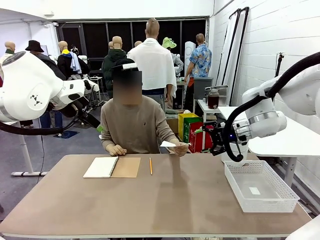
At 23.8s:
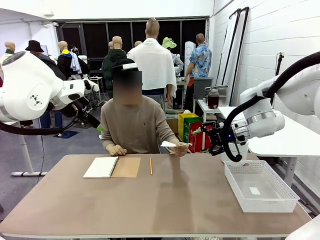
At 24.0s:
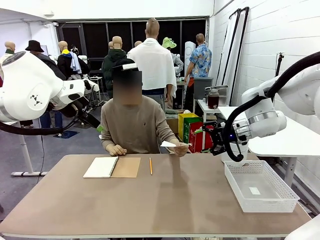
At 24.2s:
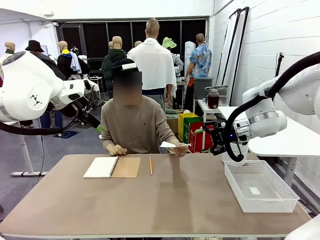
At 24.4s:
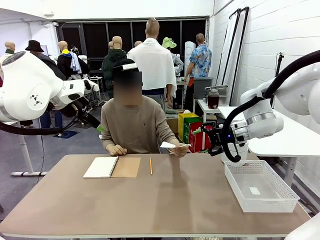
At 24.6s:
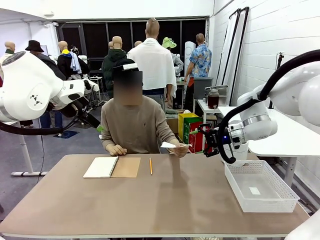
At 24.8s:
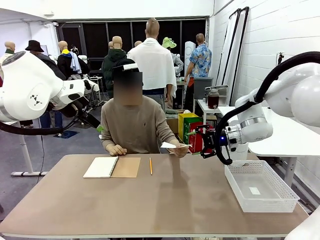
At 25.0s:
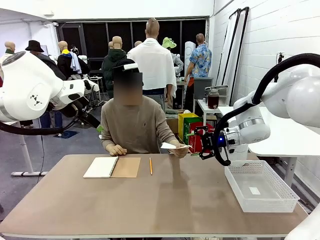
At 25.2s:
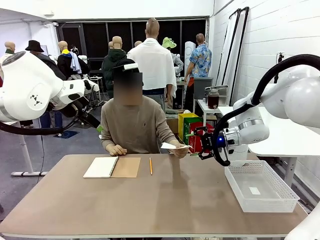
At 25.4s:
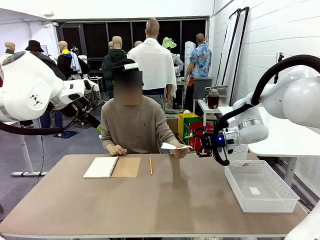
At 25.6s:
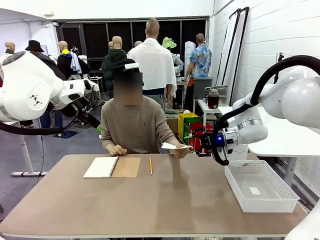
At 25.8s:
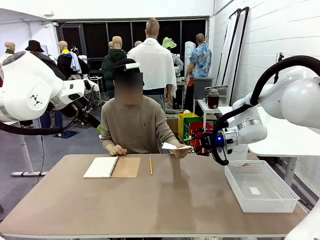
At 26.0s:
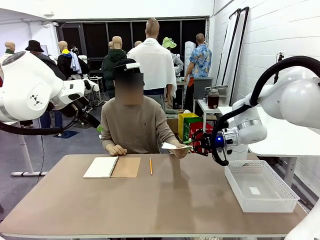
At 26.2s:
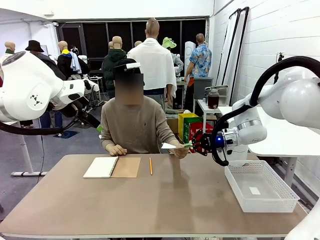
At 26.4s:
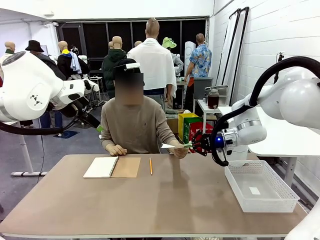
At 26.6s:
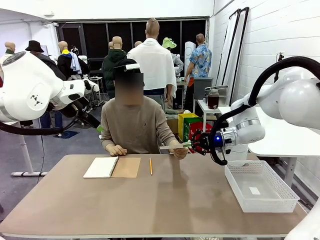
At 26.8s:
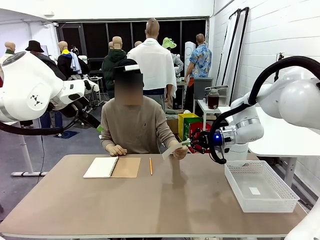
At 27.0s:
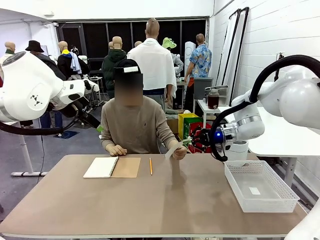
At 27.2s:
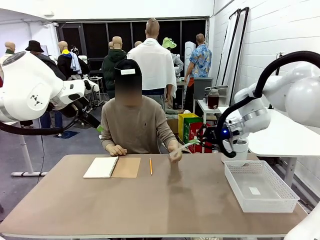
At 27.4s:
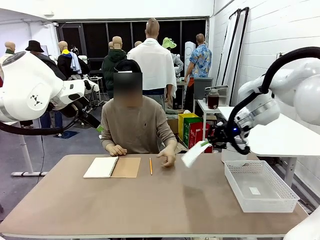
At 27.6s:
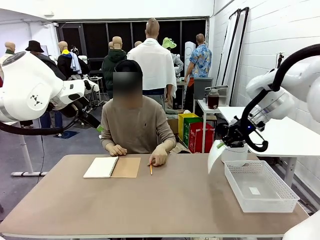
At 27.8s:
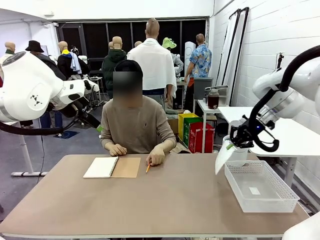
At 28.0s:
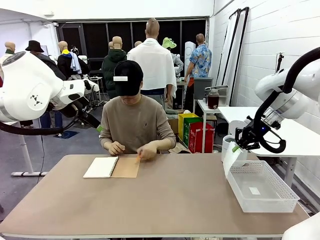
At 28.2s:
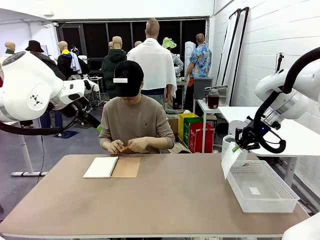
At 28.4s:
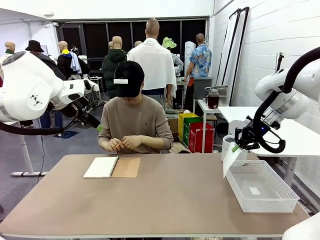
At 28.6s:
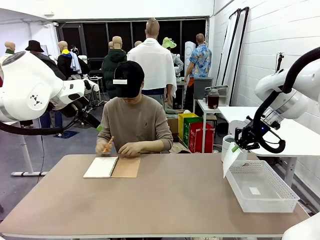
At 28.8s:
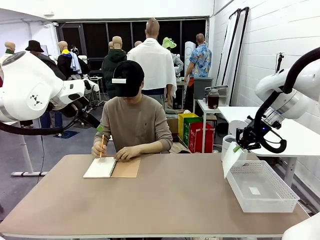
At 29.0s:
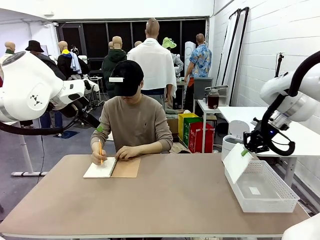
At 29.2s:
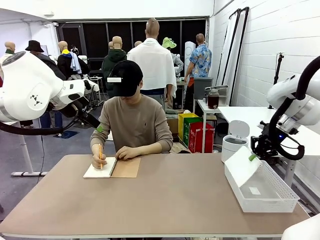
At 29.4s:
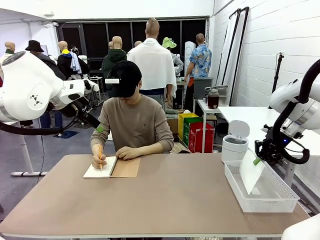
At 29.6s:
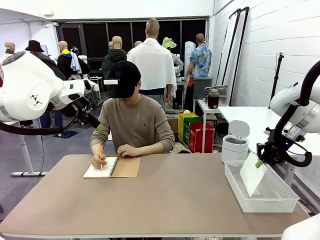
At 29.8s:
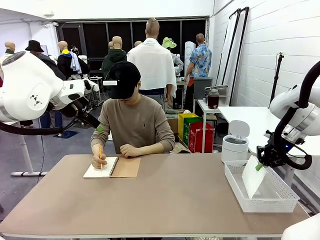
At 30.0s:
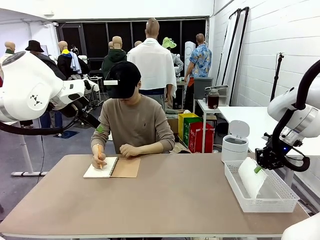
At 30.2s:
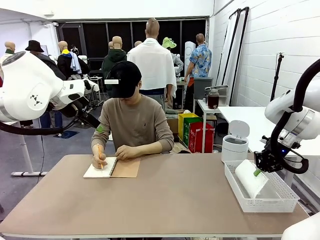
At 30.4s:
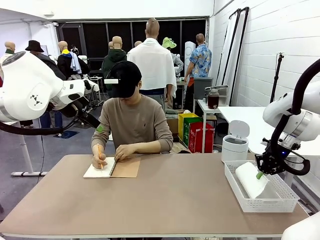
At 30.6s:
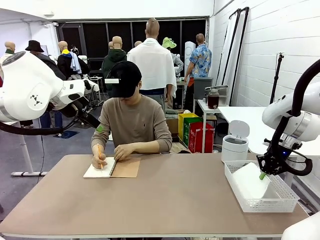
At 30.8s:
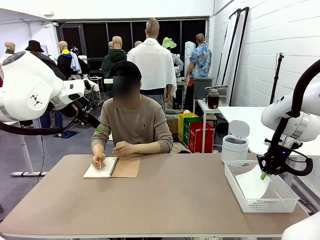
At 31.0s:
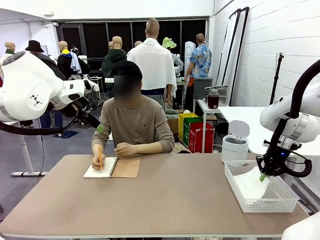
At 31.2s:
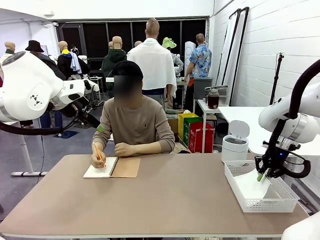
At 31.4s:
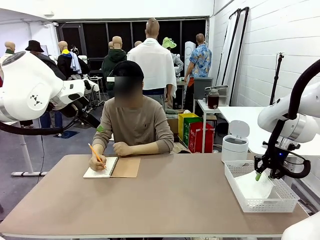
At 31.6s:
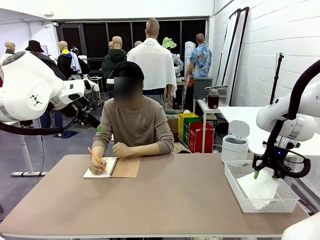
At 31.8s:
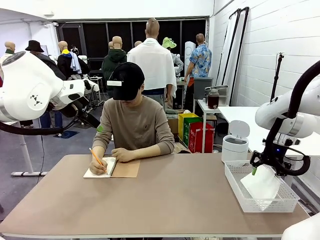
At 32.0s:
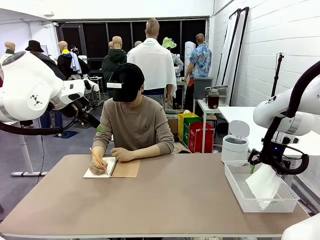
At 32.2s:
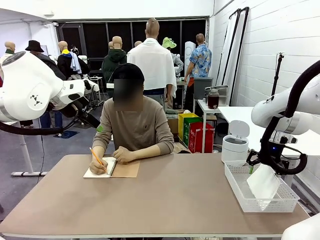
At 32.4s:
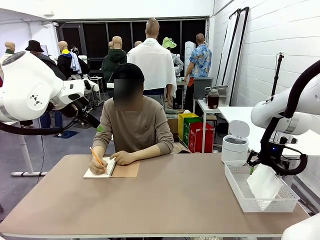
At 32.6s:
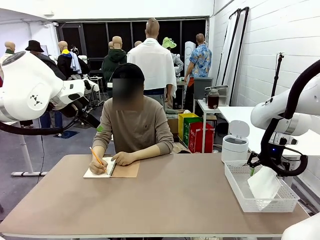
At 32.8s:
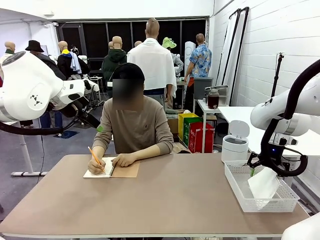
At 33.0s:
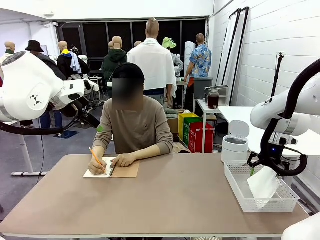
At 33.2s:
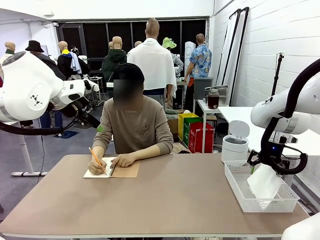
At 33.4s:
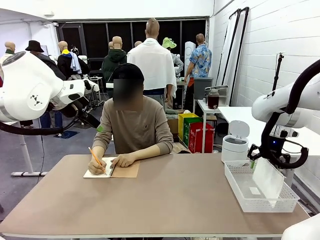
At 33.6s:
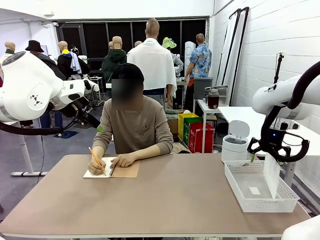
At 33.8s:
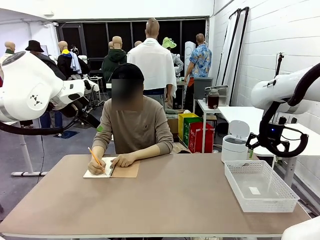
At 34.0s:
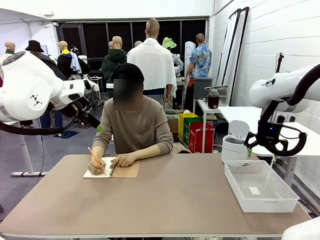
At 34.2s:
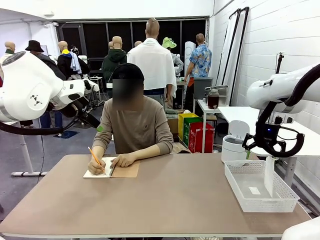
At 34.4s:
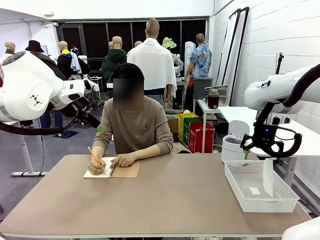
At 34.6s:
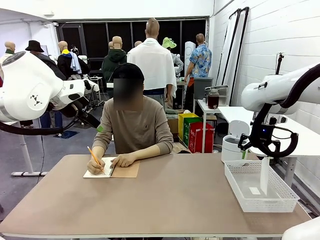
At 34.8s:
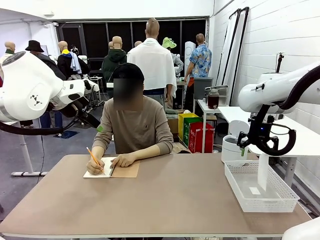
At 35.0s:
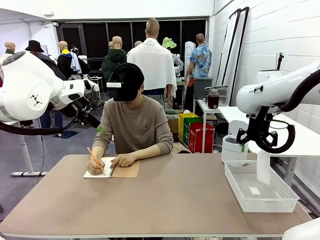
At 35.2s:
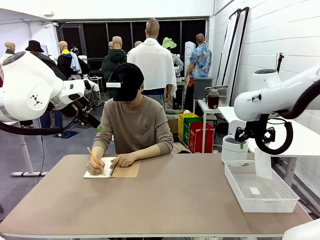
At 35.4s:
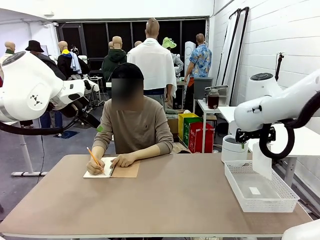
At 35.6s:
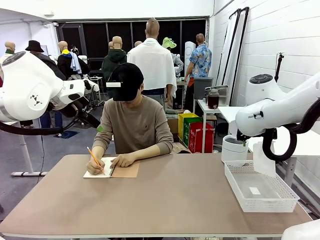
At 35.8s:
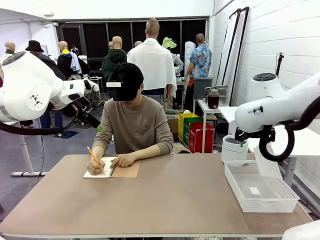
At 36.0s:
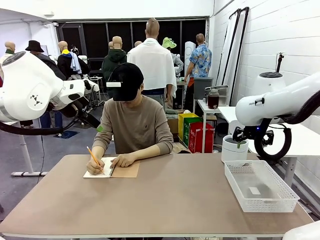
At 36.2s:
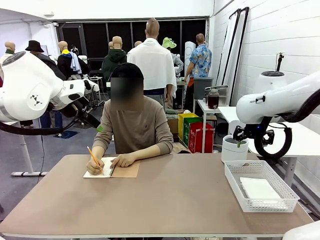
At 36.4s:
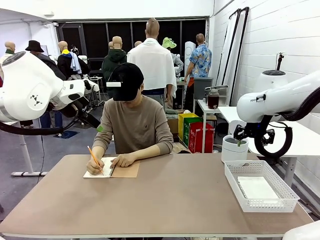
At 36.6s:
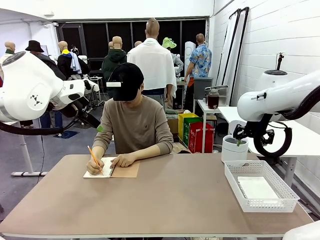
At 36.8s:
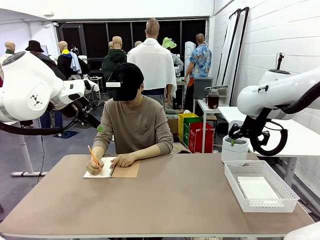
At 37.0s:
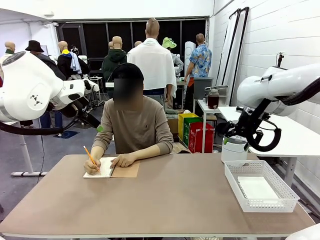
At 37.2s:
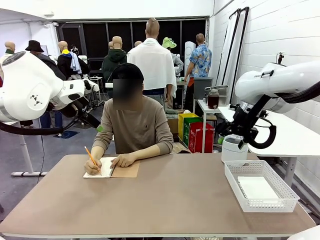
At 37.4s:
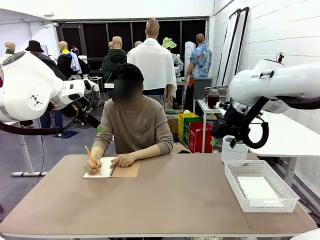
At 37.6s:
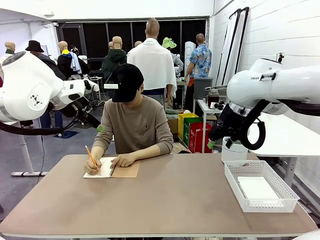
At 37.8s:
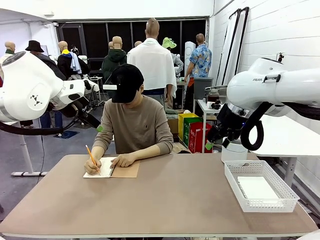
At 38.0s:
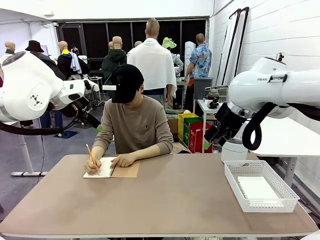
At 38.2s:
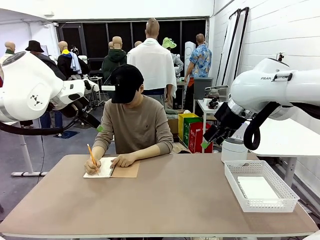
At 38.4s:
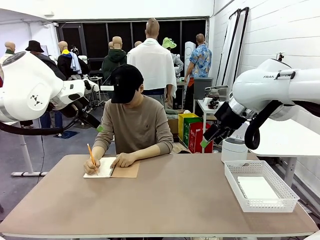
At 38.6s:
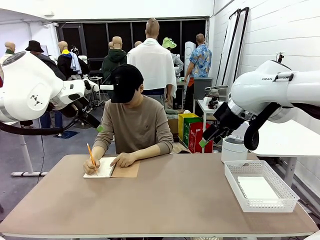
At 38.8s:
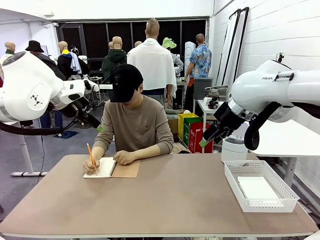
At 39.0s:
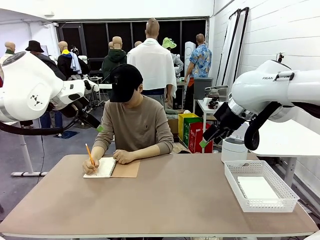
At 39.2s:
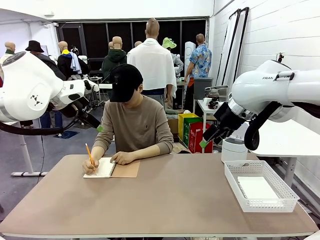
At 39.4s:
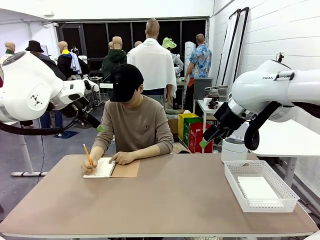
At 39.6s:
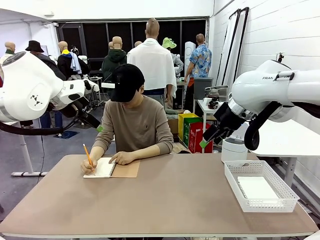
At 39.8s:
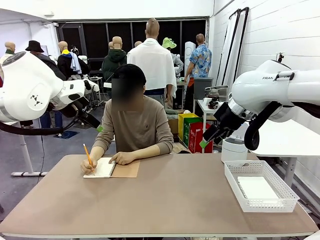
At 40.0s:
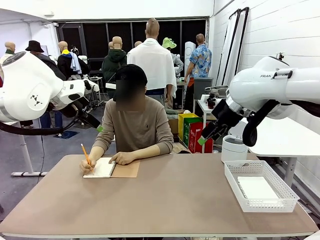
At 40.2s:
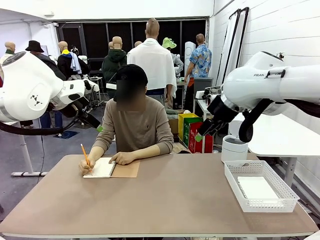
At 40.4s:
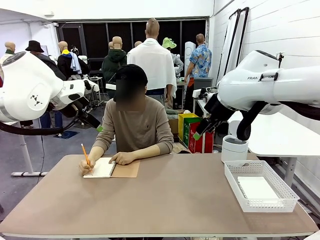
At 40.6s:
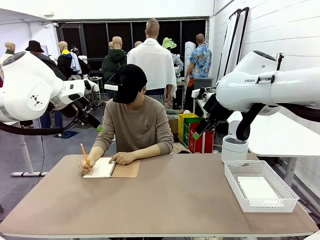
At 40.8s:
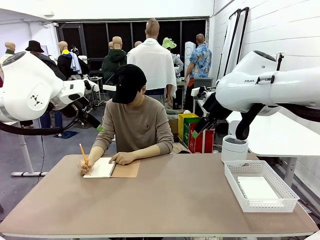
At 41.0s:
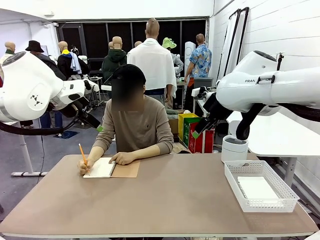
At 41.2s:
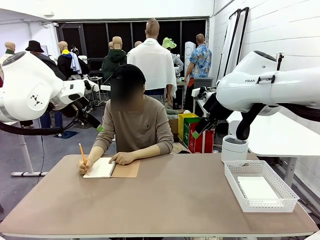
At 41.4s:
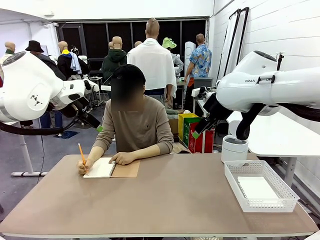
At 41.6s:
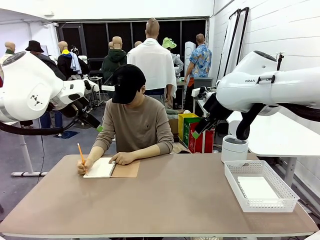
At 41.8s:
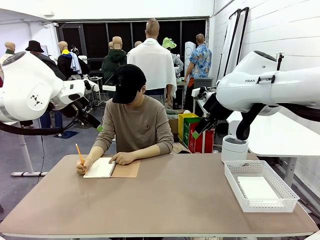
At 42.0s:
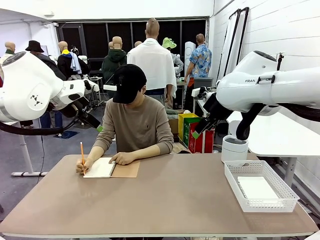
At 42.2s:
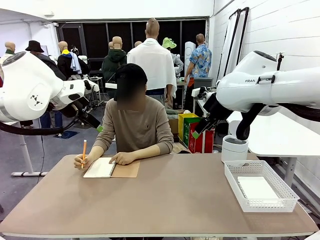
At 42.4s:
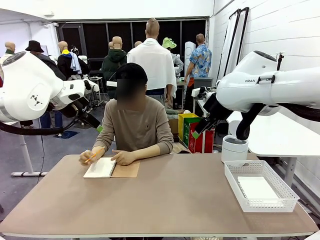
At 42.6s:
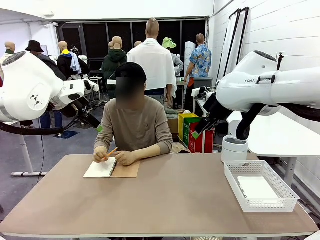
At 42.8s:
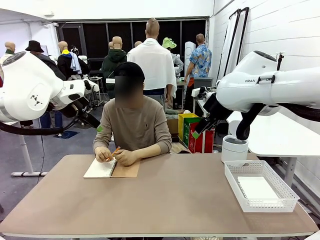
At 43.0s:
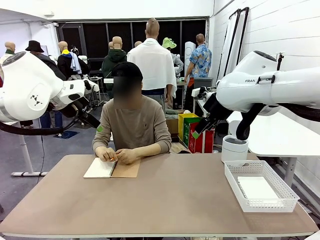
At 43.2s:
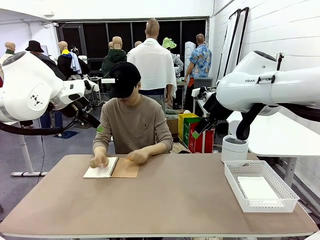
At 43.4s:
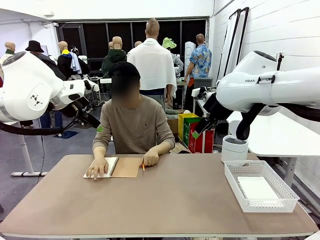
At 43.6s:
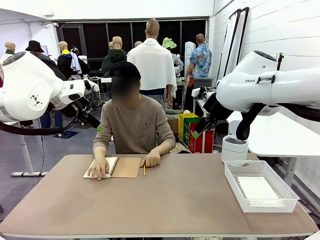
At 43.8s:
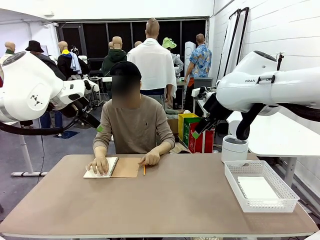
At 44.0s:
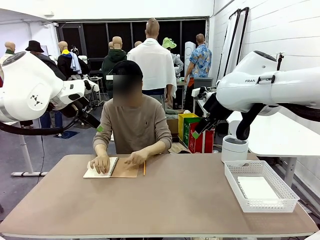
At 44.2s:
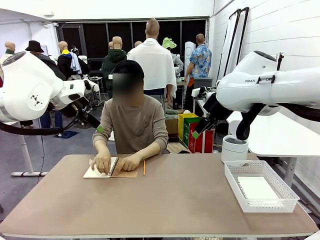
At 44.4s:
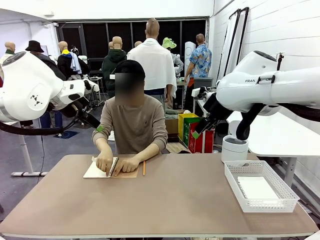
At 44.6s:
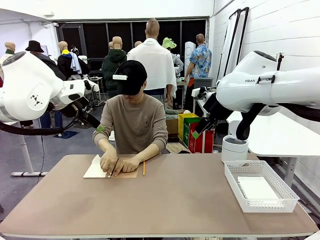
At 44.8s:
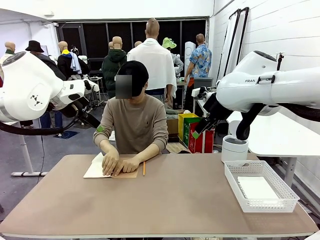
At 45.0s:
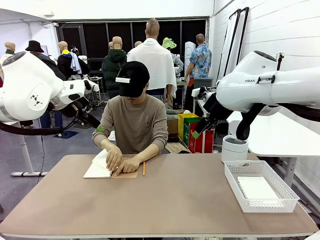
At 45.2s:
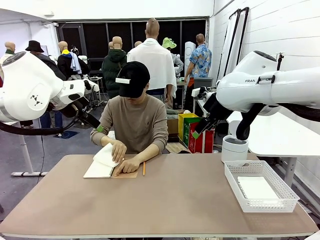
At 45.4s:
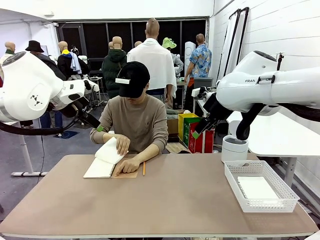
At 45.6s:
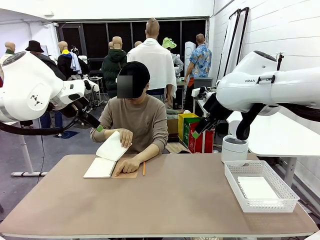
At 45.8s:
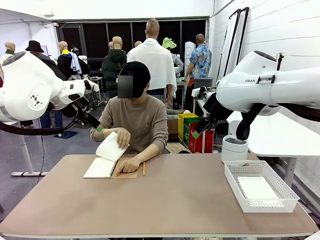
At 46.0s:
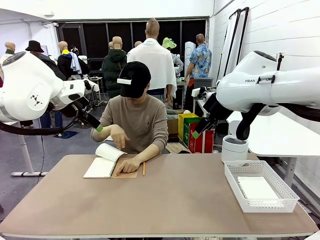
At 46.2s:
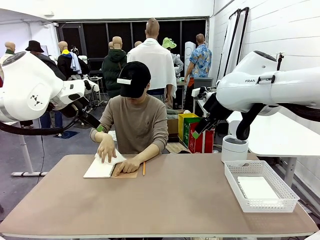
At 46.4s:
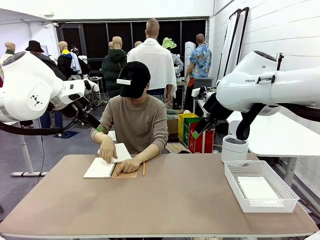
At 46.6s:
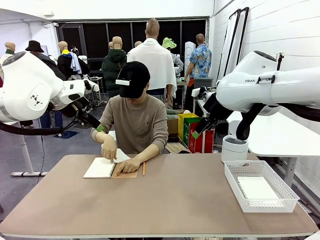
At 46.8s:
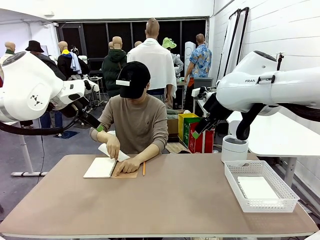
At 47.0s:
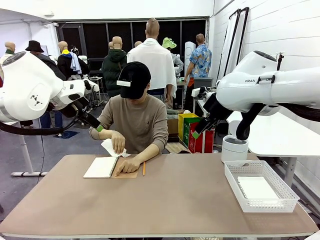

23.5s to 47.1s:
Task: Sort the paper based on its condition.
Robot: If a person hands you a paper, place it in the Organizing basket , and if it's crumpled, put it in the Trash can.
Person: Tear out a page from the spiral notebook.
